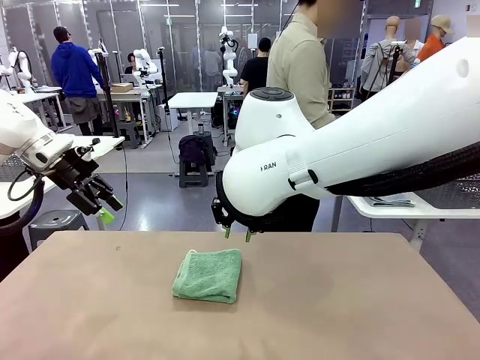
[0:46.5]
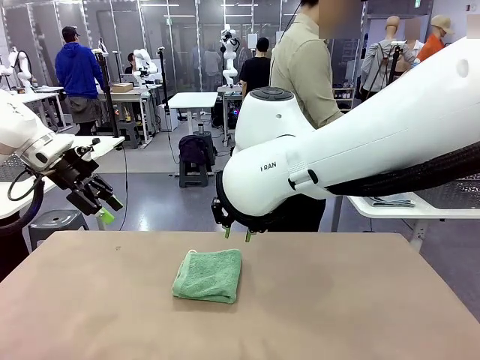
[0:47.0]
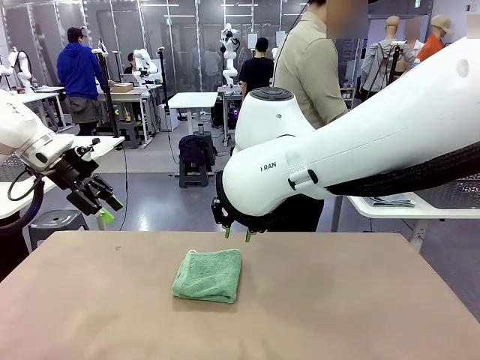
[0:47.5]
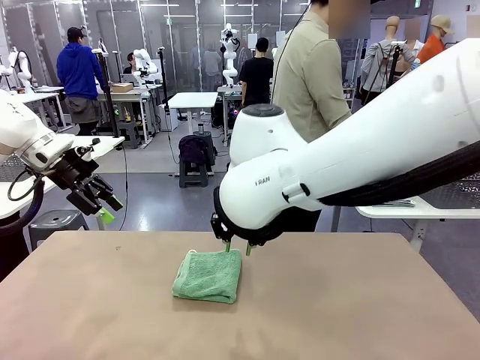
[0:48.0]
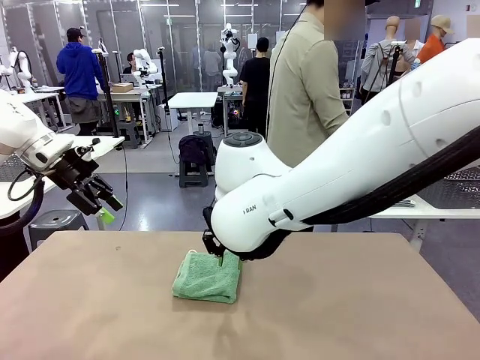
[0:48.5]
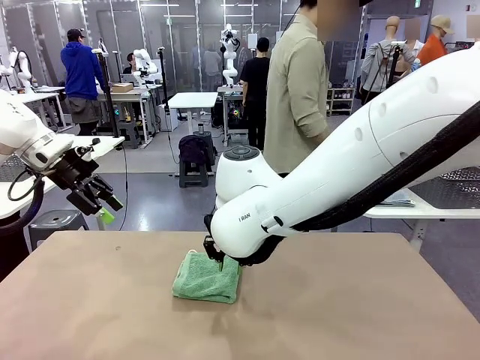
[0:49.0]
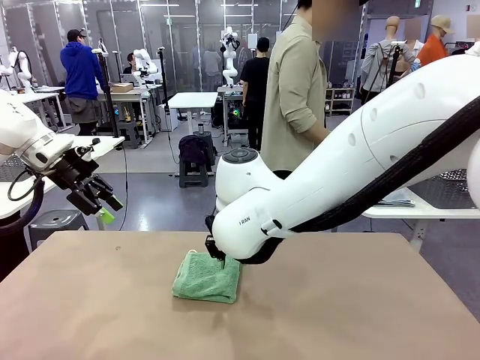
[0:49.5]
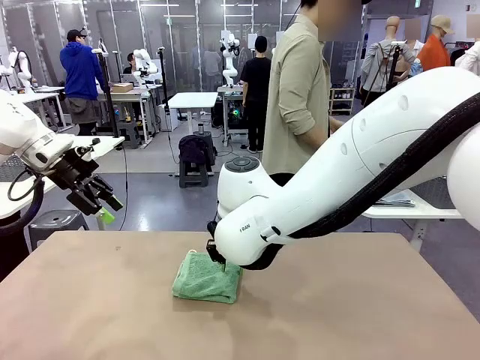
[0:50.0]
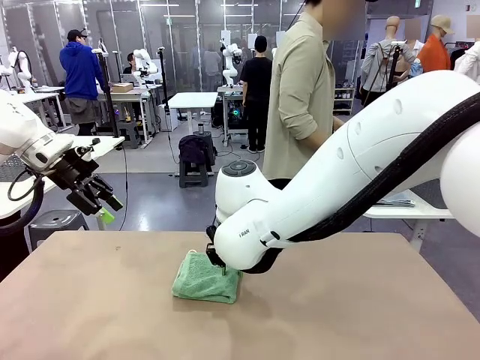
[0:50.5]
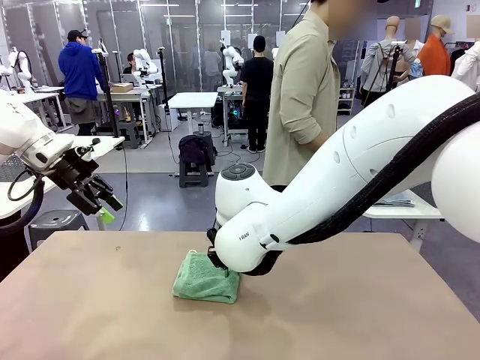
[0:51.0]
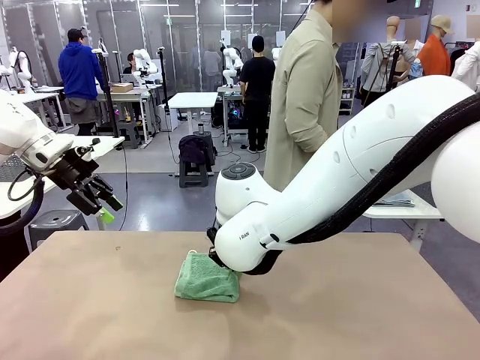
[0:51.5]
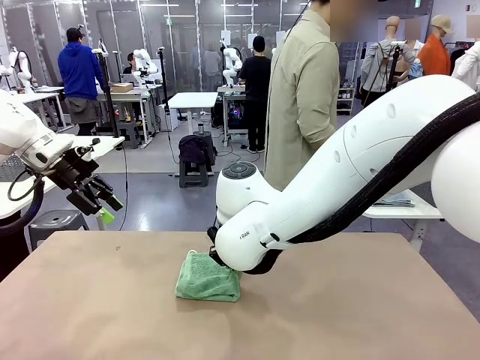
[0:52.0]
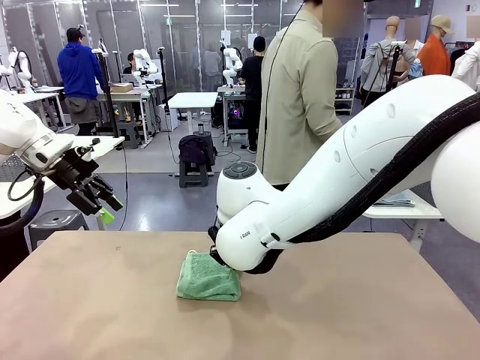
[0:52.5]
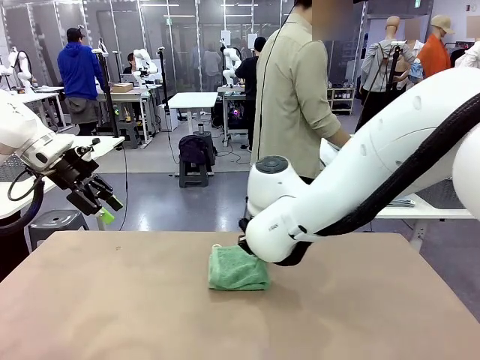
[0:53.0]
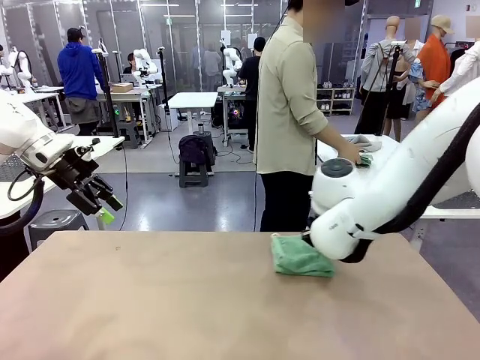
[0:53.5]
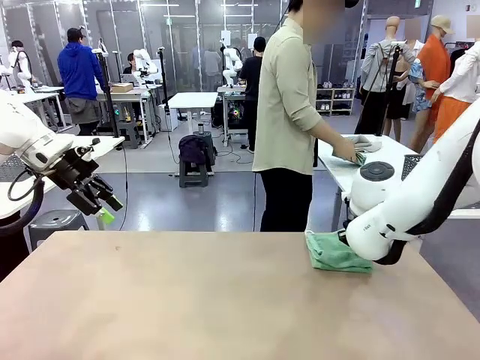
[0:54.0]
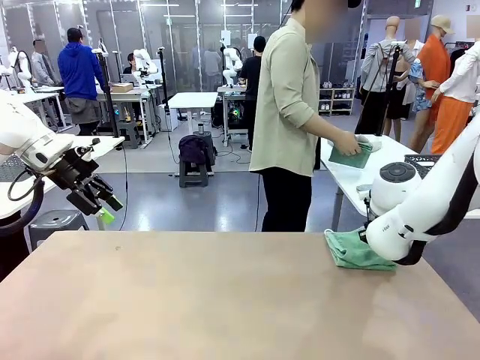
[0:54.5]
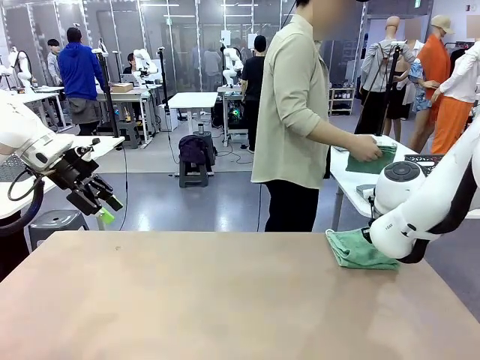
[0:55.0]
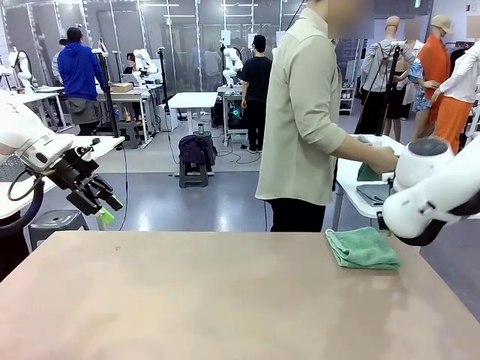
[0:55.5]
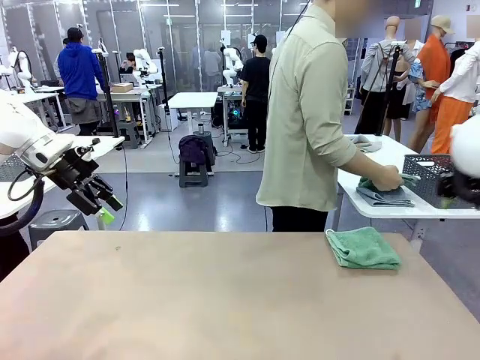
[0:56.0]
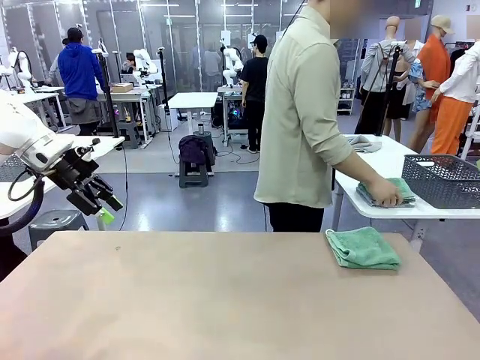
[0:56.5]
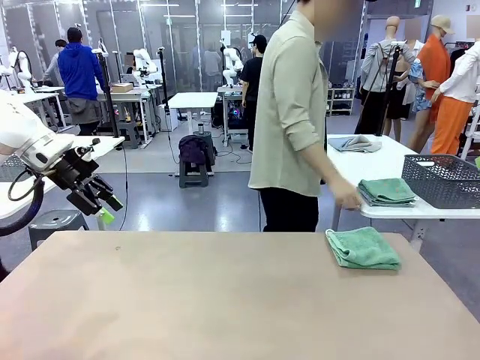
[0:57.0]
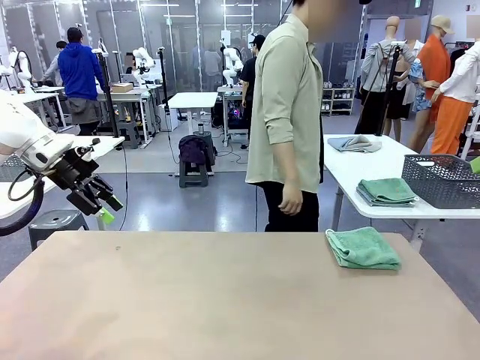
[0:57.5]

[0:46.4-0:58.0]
Task: Fold the towels and place them in the basket.
Robot: Place the folded Towel with hook on the right side of the table.
Person: Pick up one towel from the left side of the human table, fold it in half twice, and stack it on the right side of the table.

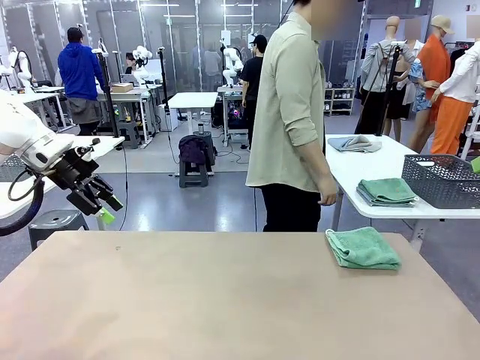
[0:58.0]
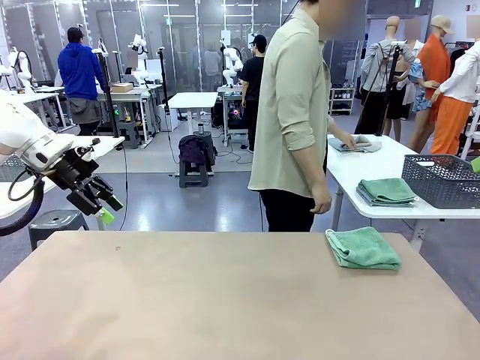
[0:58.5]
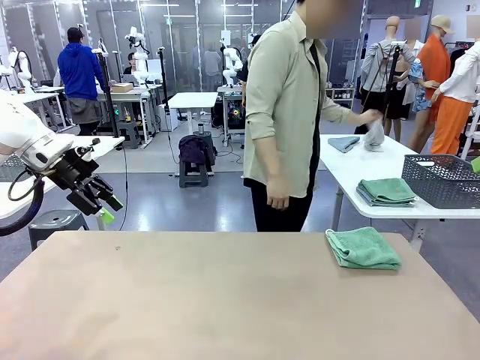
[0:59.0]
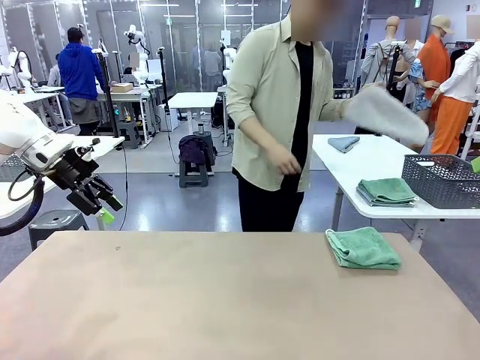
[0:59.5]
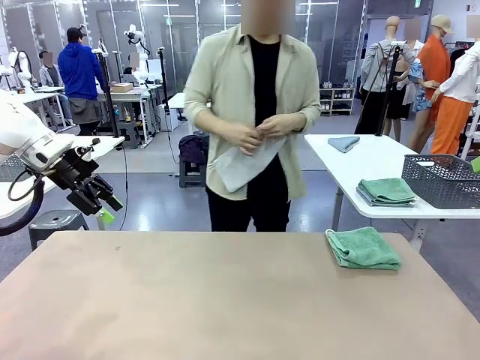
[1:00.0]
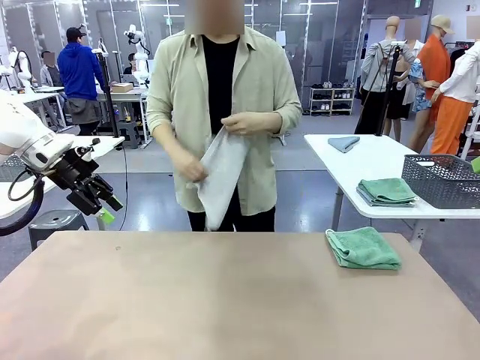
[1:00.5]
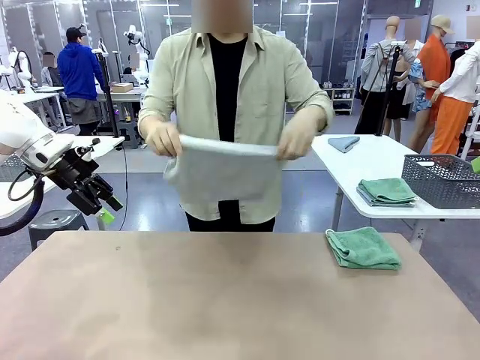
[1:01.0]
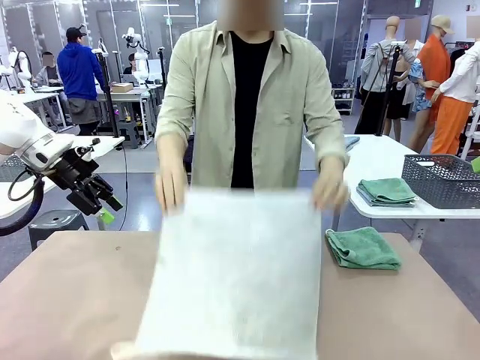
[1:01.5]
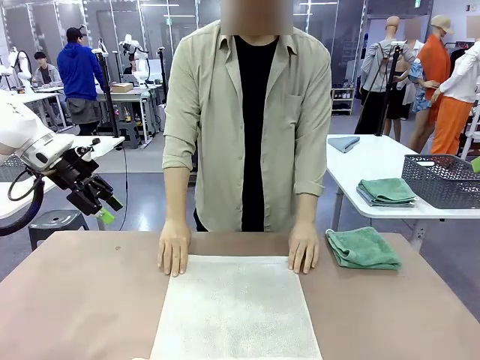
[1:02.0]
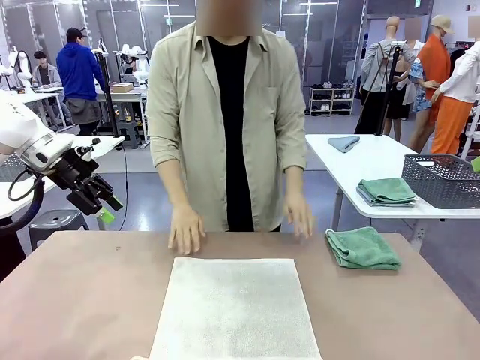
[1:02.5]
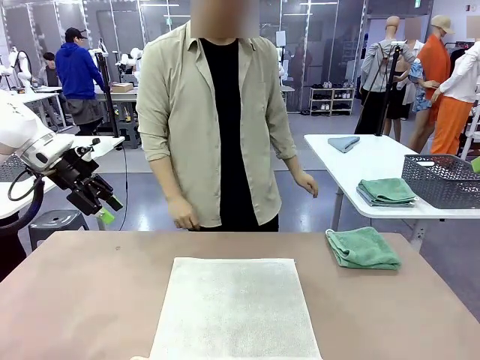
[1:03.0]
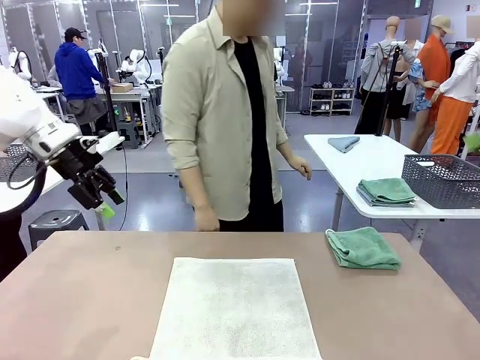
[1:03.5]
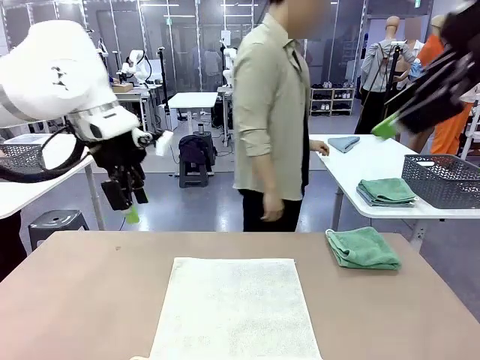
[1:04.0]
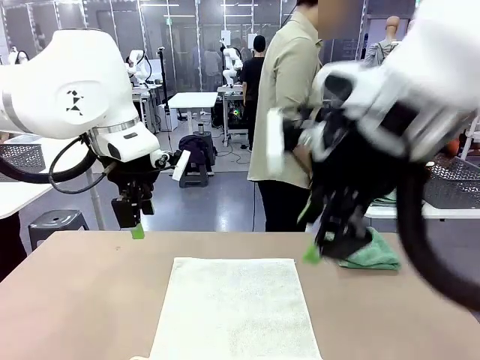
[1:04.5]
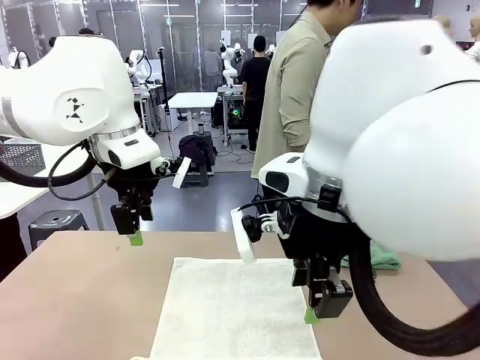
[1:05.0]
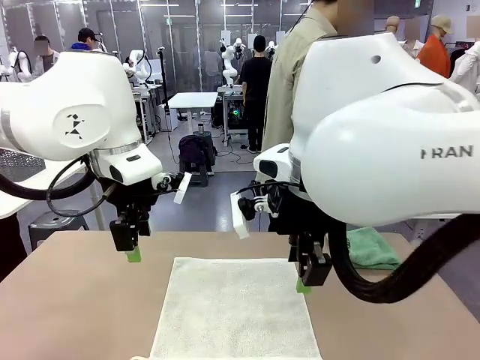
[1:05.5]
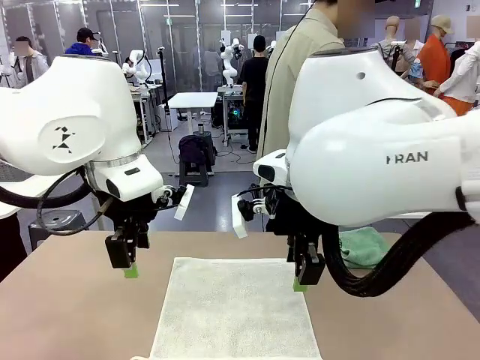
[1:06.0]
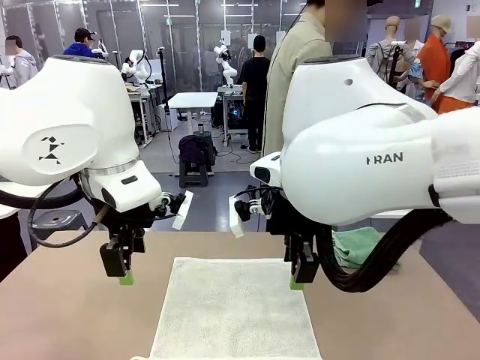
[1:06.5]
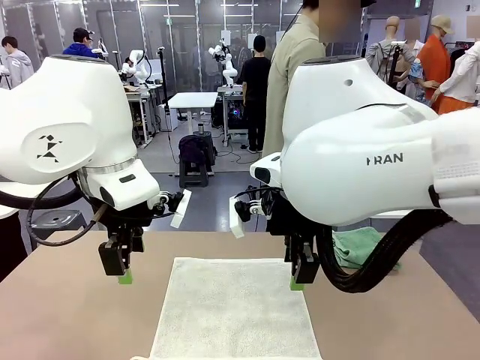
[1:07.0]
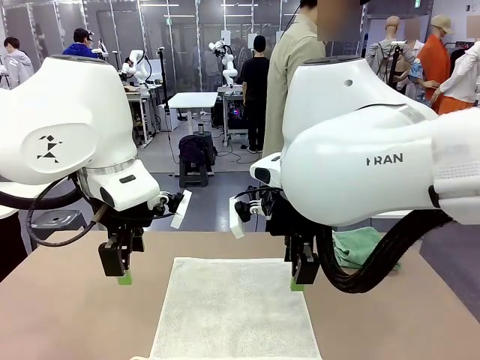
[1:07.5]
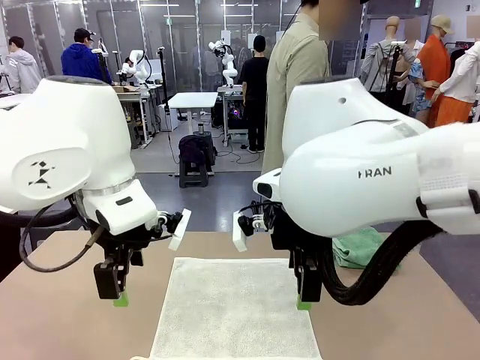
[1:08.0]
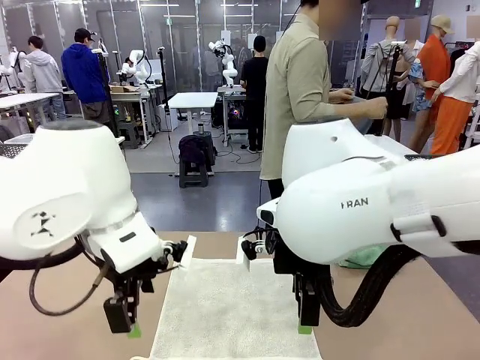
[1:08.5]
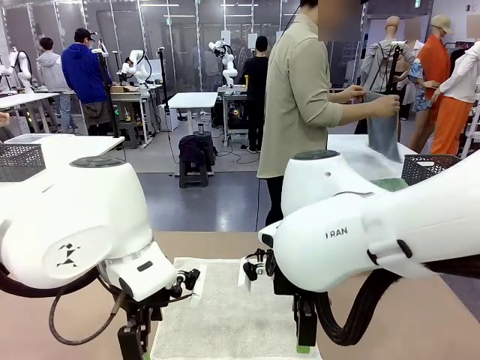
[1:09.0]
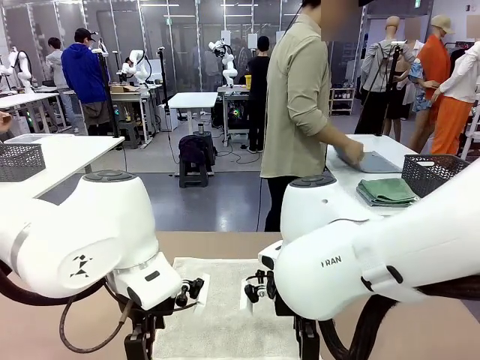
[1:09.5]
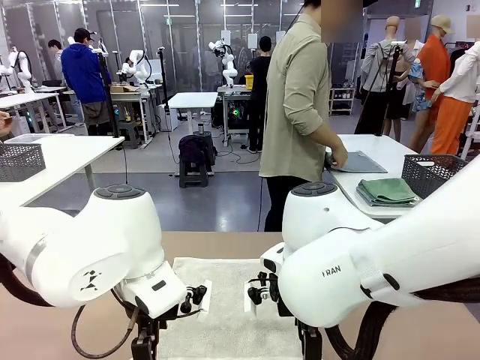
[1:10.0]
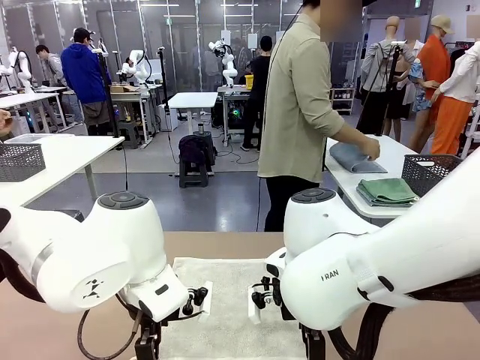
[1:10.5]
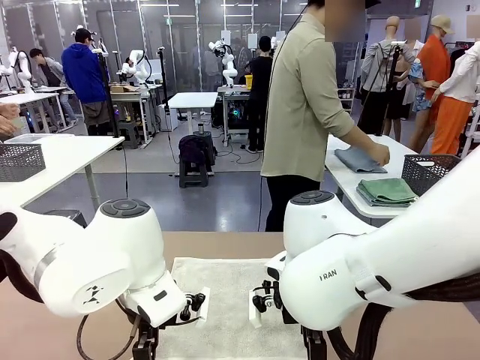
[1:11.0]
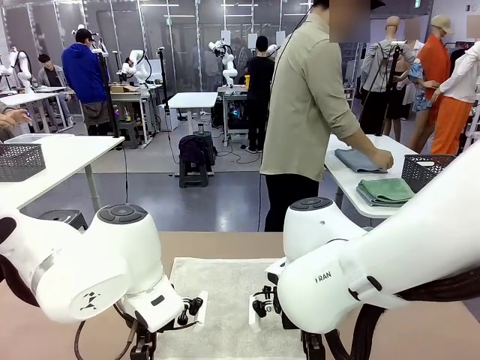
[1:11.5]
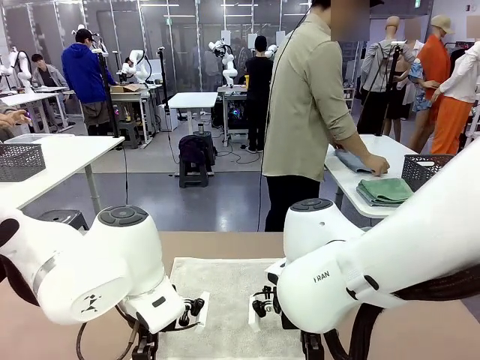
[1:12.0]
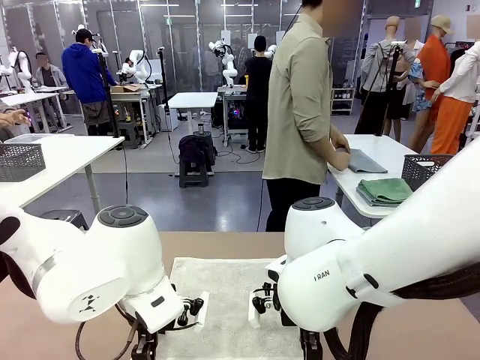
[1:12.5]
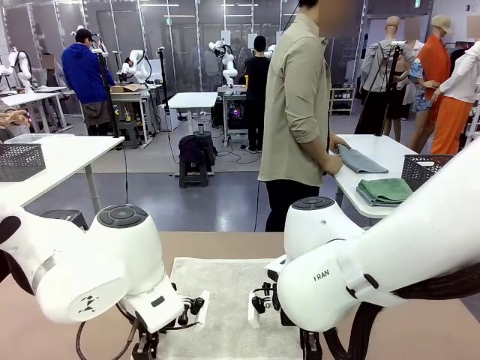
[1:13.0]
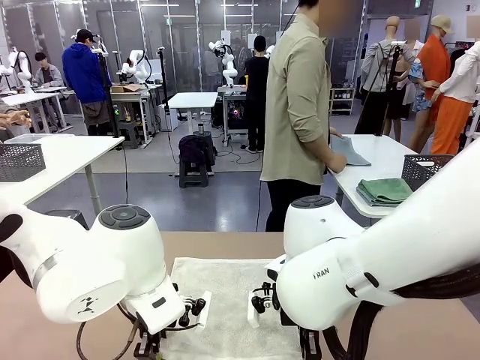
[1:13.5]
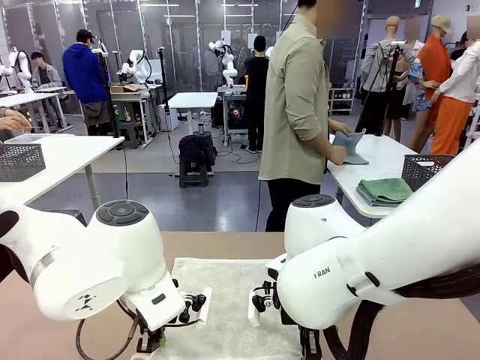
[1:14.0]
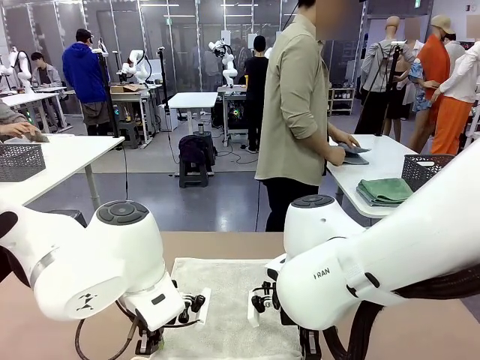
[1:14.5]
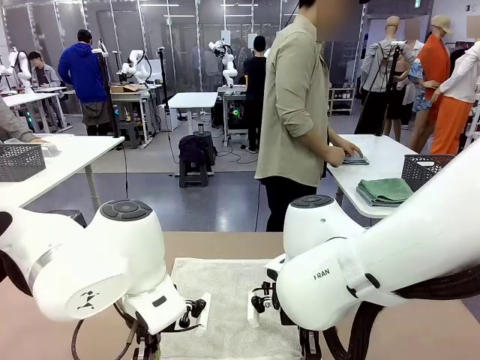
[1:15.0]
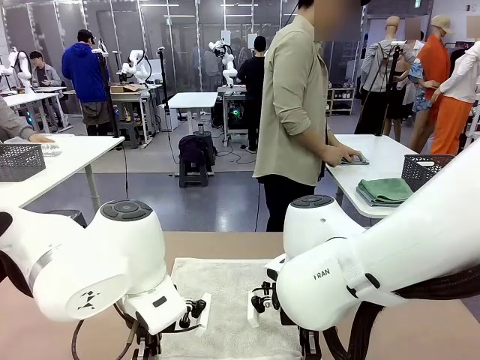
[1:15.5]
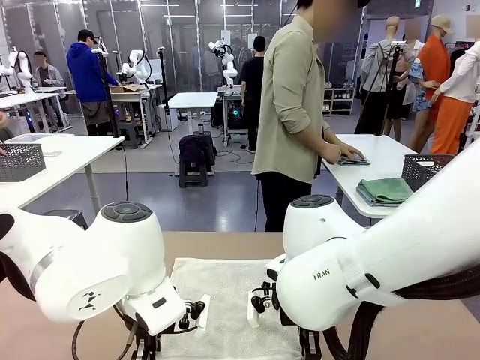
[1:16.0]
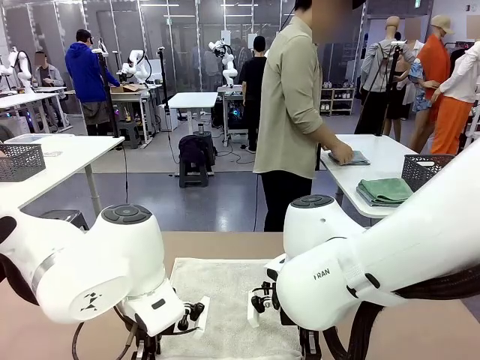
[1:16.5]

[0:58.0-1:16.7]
Robot: When a person lays out a Towel with hook on the table, fold it in half twice.
Person: Pick up one towel from the left side of the human table and spread it out at the center of the robot table. Pick up one towel from the left side of the human table, fold it in half twice, and stack it on the right side of the table.
